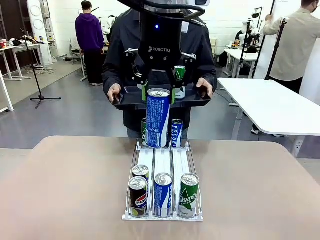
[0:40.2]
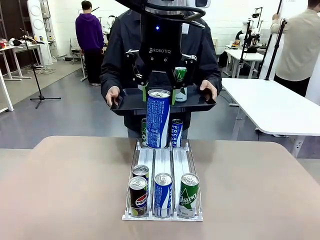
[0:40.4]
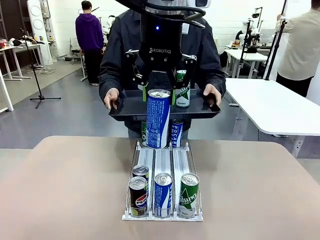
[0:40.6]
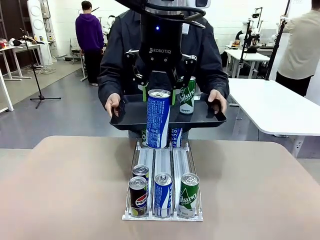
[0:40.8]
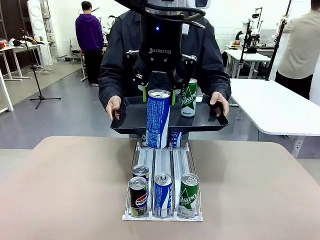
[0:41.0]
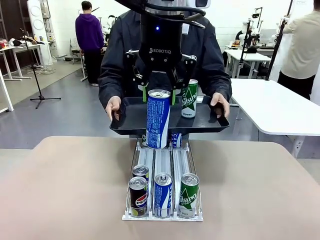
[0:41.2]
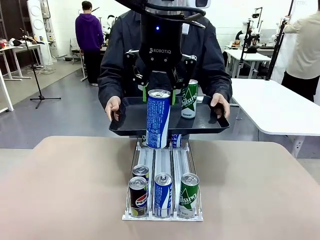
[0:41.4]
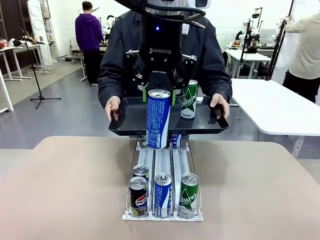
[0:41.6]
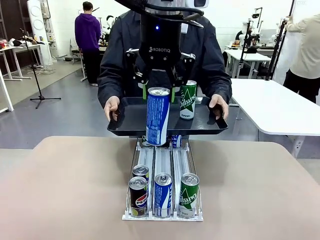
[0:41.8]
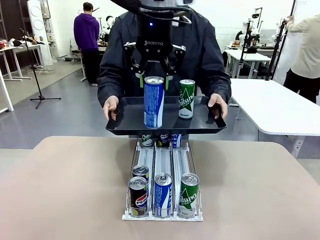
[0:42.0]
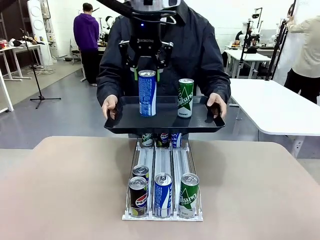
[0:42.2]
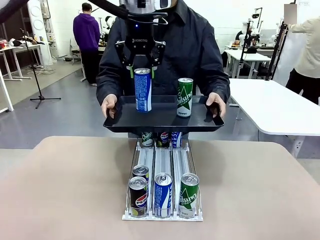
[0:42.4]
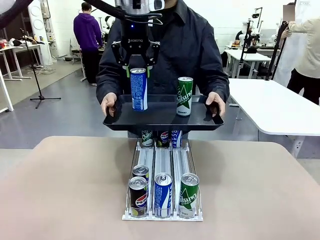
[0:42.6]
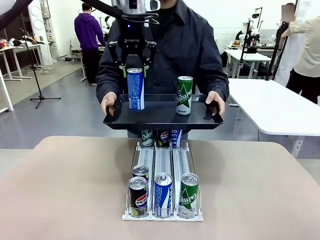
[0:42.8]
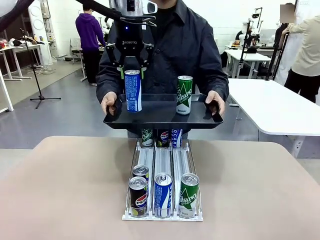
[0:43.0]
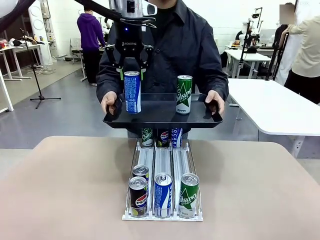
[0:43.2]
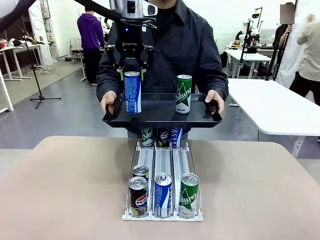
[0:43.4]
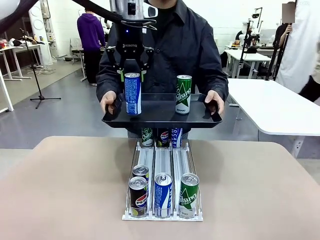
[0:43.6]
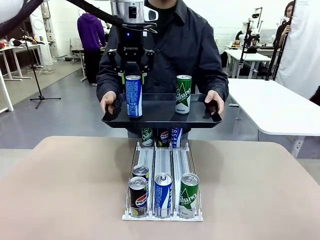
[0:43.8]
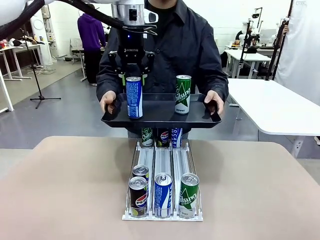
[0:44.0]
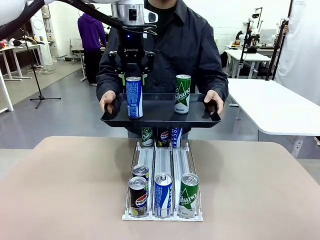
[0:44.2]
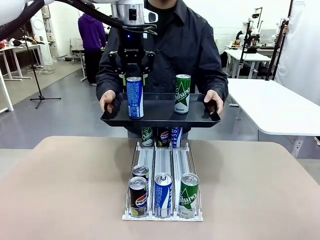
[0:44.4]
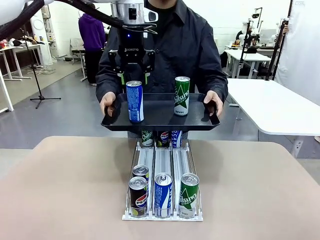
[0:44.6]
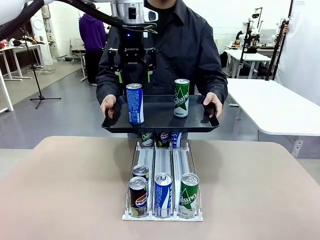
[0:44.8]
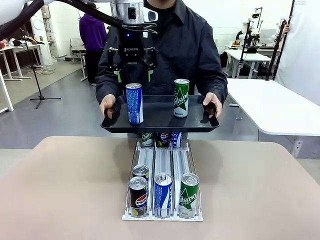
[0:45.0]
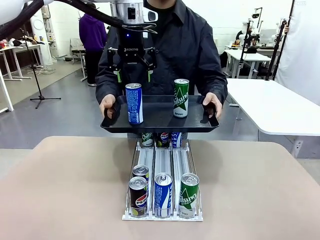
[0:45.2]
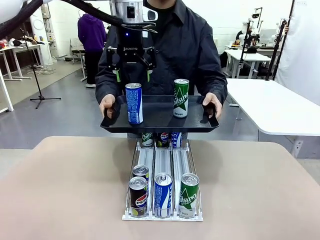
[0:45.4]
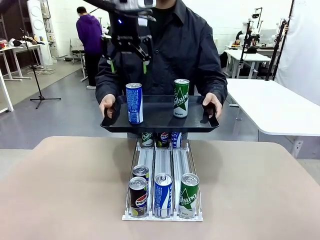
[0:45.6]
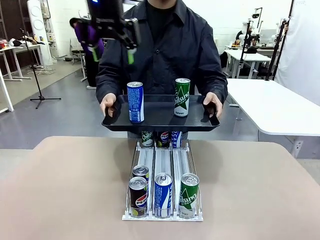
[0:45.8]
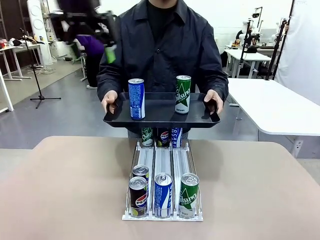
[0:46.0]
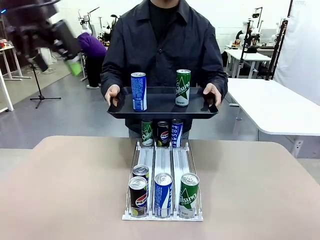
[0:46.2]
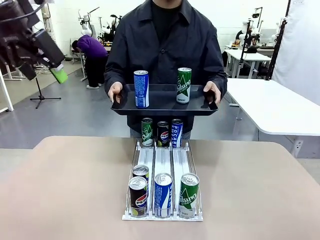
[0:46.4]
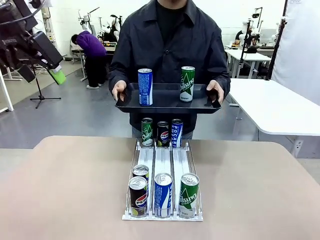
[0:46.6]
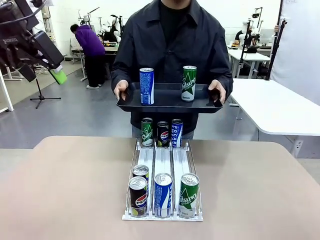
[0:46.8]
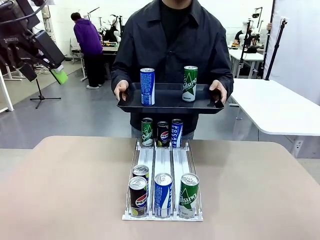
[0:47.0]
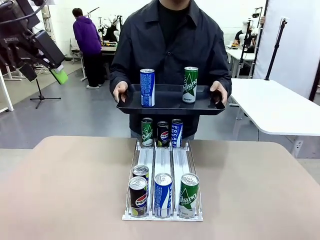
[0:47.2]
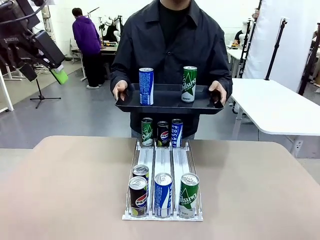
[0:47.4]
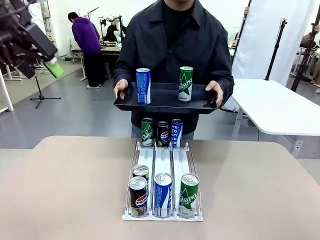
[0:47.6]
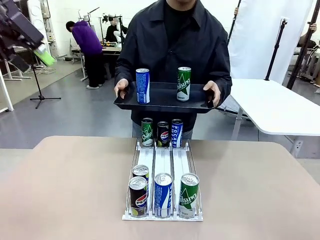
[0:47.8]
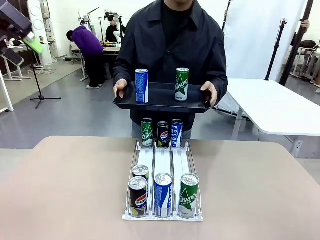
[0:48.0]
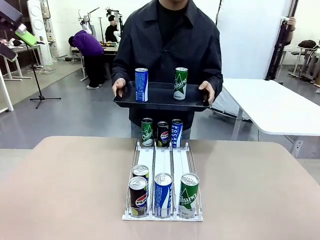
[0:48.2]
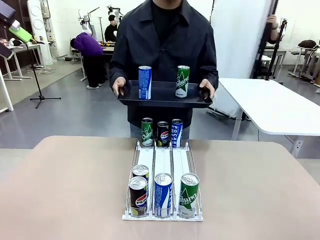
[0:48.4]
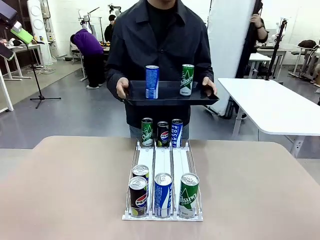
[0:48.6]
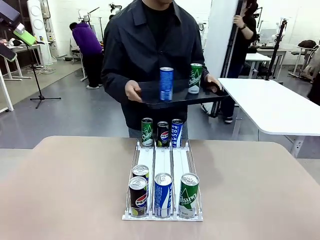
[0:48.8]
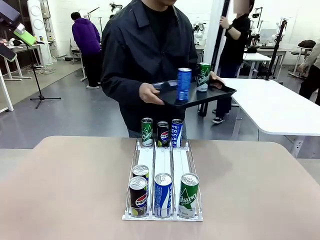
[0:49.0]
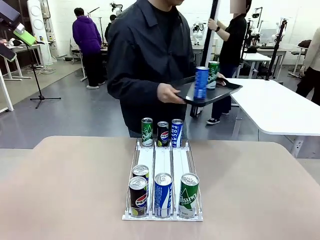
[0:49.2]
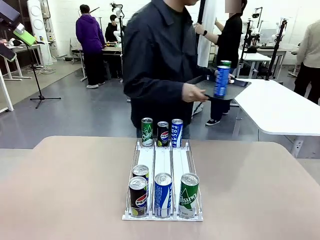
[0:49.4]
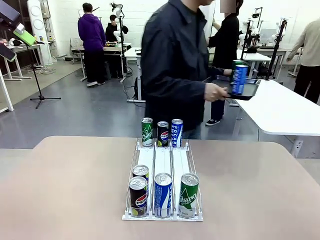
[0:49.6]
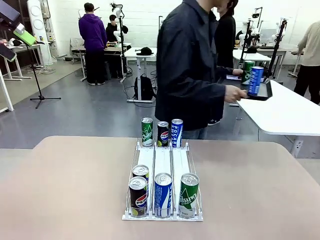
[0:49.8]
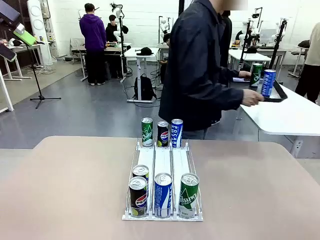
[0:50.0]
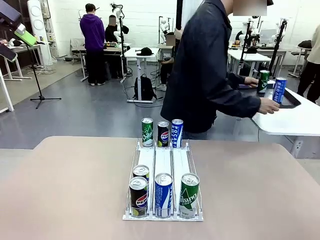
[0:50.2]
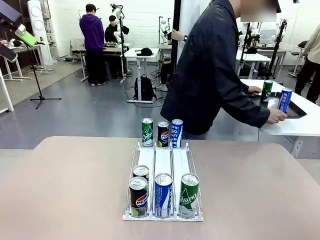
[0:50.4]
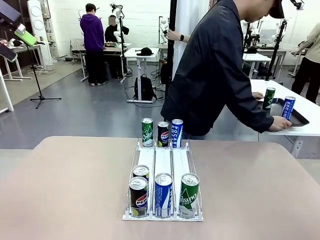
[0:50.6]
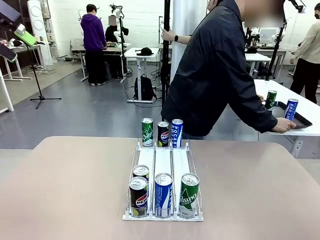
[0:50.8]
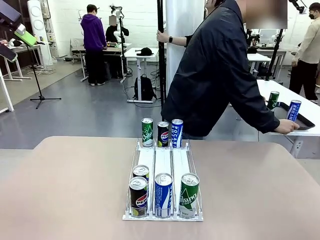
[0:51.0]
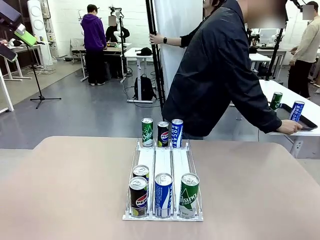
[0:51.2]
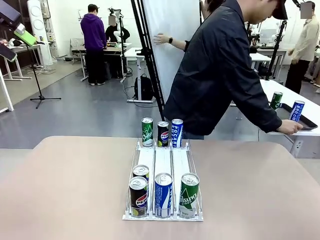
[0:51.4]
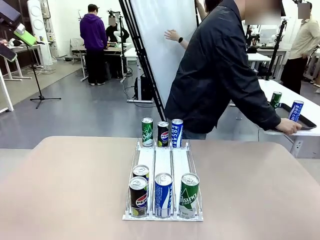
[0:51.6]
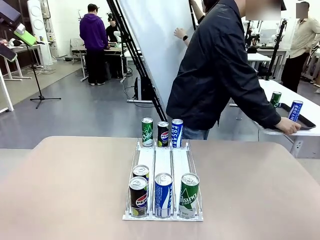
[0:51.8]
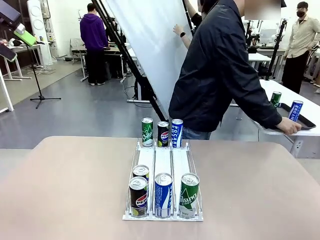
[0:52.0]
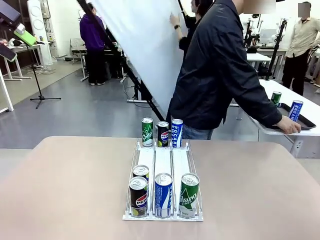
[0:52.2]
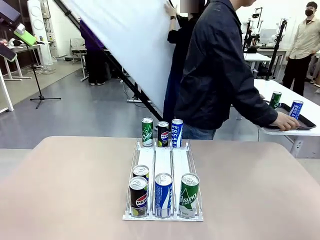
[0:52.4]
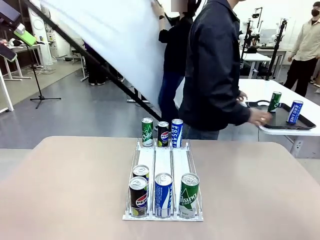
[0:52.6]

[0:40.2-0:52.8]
Task: Retrieve and hand over the desired beverage to the person.
Robot: Place the picked can on the Handle tray extended by the person.
Person: Pull the tray back and place it at the center of the human table.

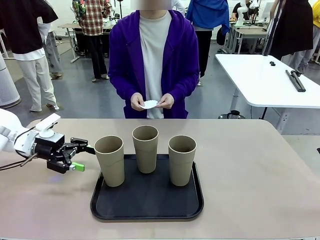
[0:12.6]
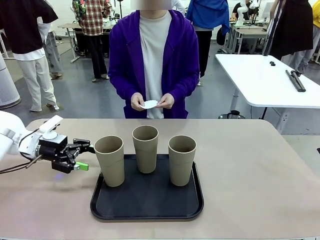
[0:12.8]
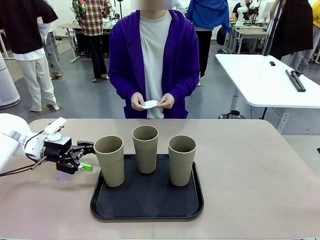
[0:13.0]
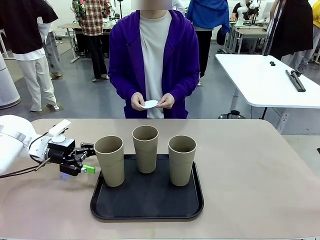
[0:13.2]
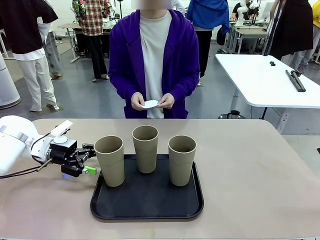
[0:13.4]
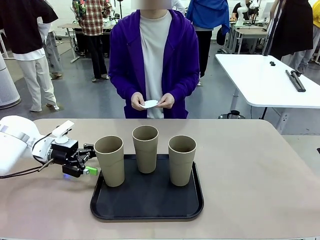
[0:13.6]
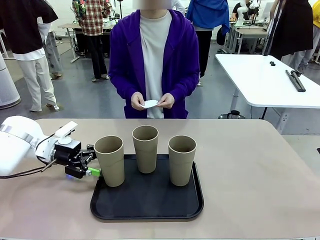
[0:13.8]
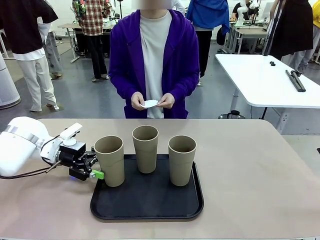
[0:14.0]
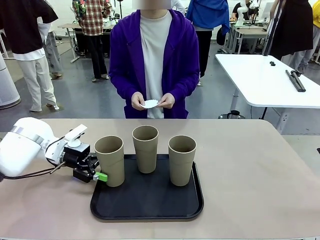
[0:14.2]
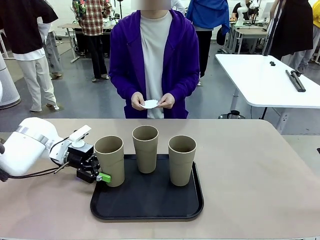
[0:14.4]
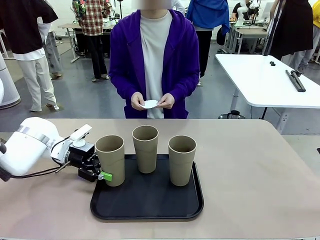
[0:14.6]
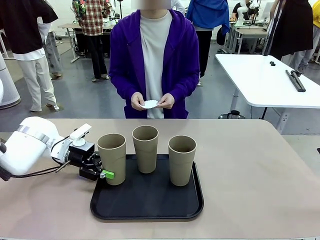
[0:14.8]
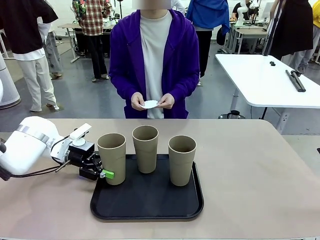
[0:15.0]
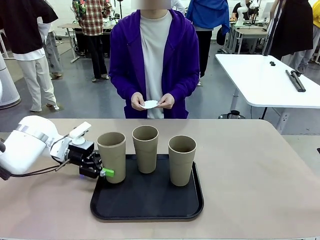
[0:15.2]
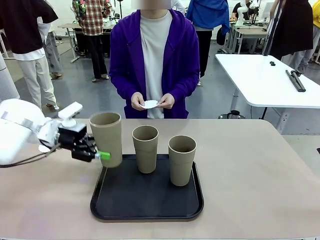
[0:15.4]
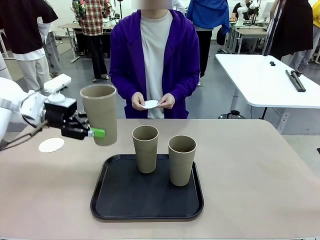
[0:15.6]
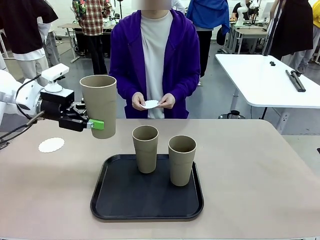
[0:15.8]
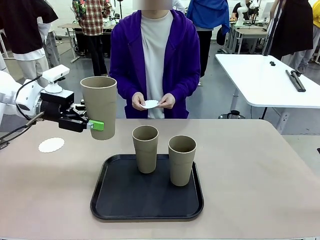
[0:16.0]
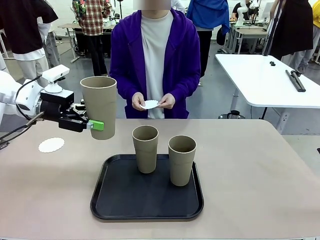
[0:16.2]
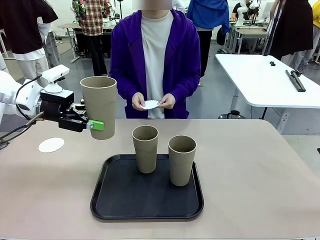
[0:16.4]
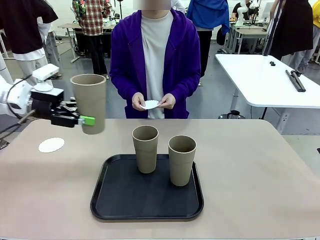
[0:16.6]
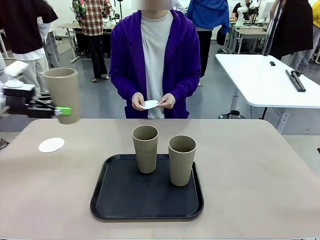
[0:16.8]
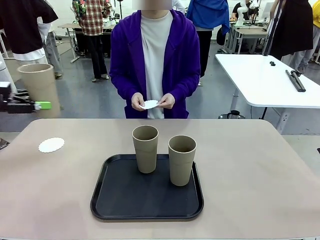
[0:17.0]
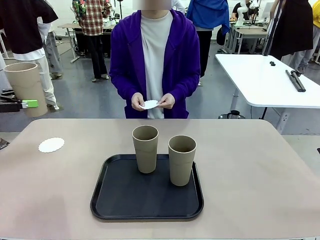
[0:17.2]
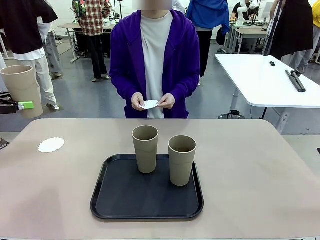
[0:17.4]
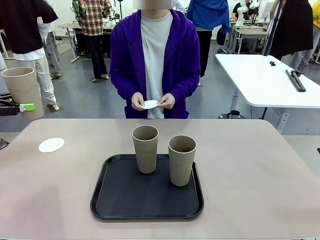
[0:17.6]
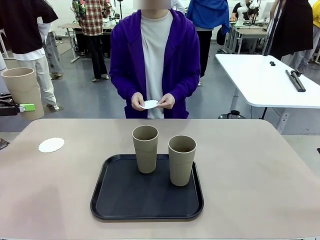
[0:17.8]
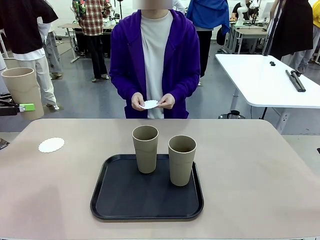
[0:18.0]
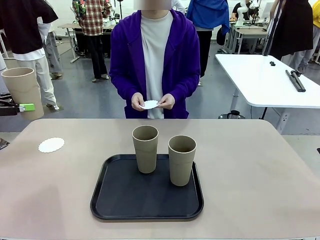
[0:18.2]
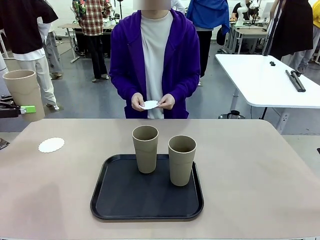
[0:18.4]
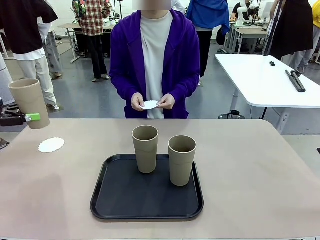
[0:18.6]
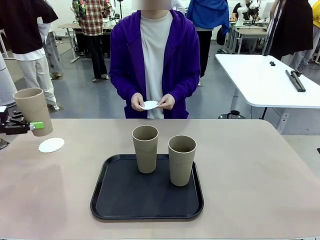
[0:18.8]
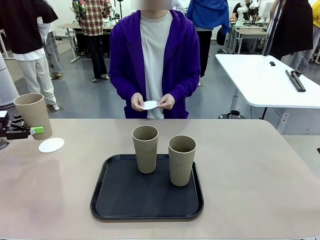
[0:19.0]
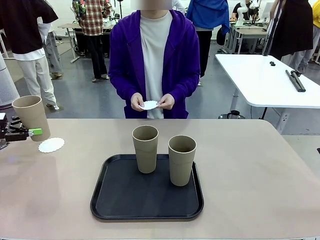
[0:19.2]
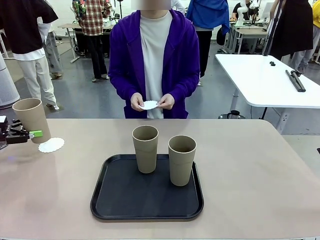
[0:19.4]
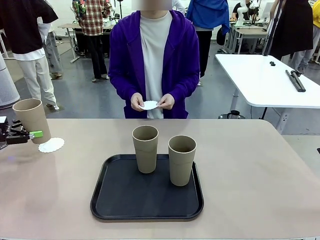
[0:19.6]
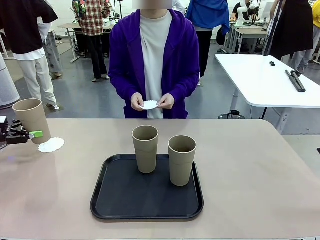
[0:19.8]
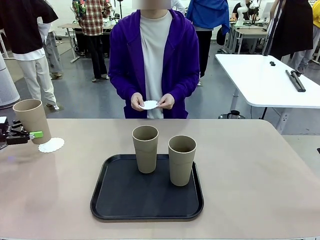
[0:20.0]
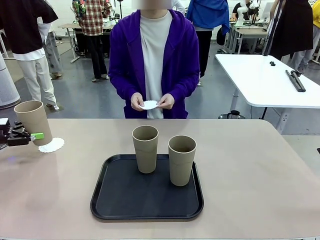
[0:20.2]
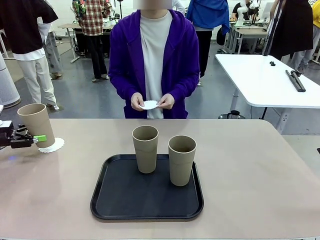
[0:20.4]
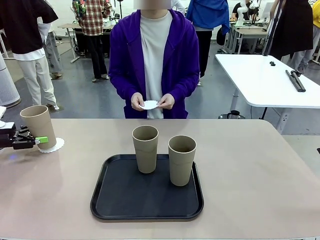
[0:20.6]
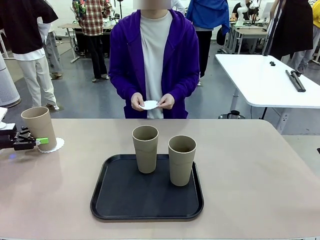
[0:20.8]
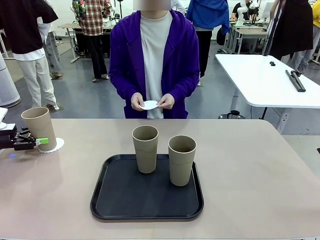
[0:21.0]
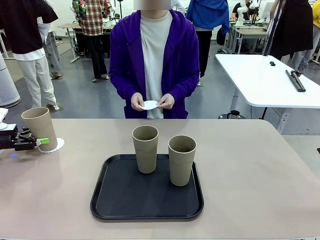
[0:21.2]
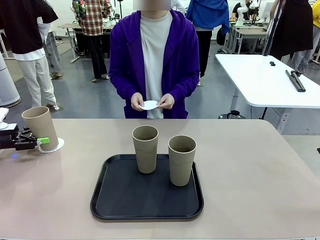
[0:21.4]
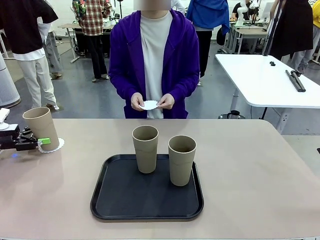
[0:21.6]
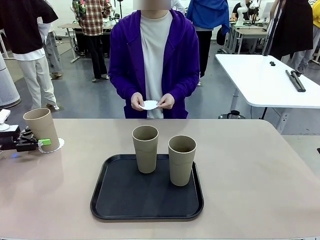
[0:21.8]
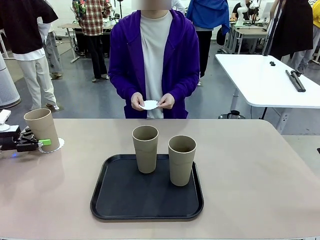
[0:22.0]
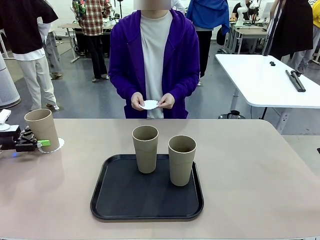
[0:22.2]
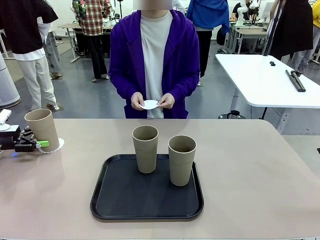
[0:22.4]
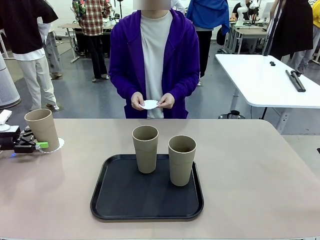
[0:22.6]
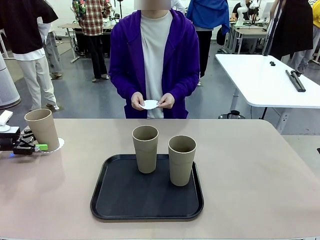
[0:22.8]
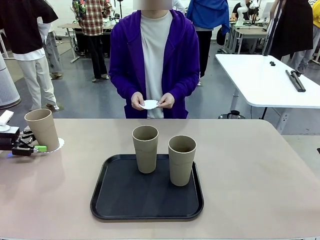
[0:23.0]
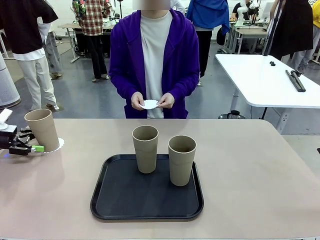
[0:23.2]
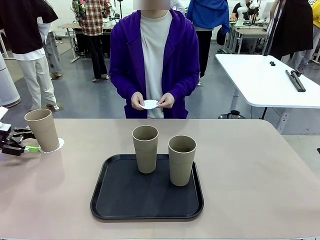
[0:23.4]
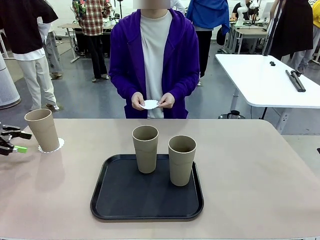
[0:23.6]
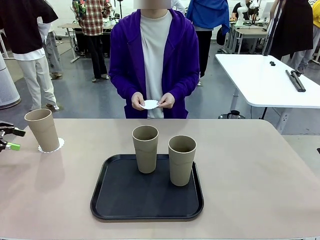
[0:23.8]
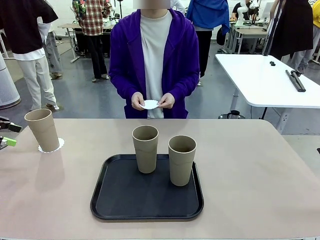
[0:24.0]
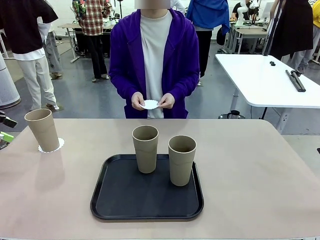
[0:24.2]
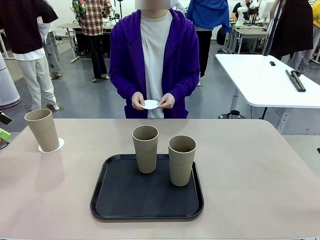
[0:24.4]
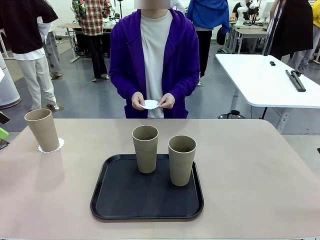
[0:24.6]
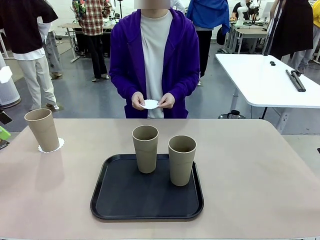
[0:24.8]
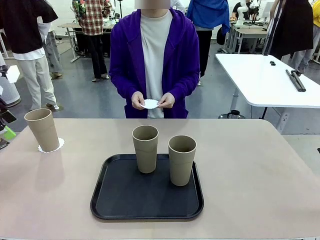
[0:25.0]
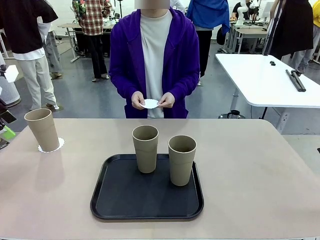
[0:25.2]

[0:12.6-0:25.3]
Task: Place coasters on the table and set cups on them.
Robot: Pick up one Reusable plastic cup and place it on a coaster set by the human.
Person: Place one coaster in one of the two areas excluding the previously selected area.
